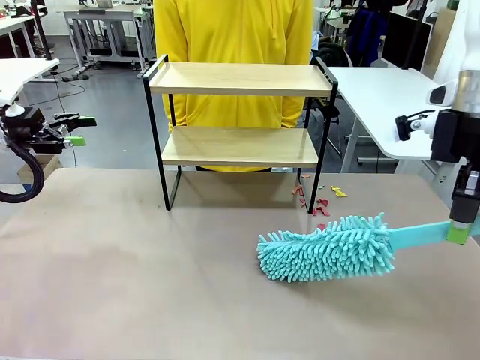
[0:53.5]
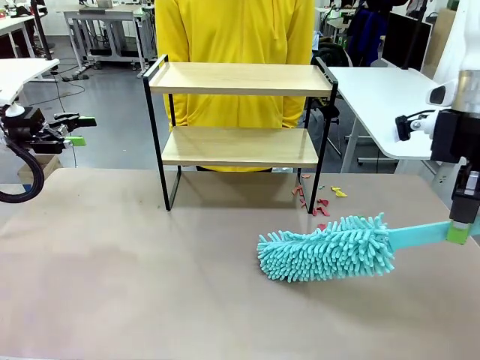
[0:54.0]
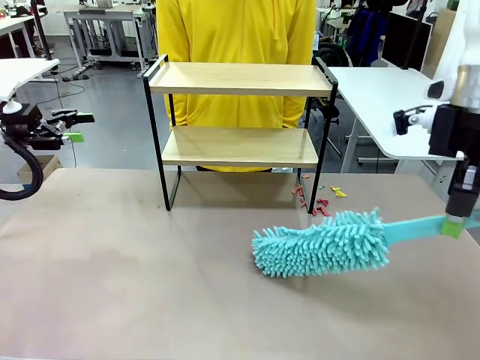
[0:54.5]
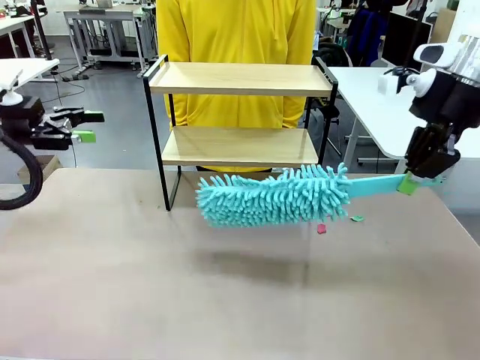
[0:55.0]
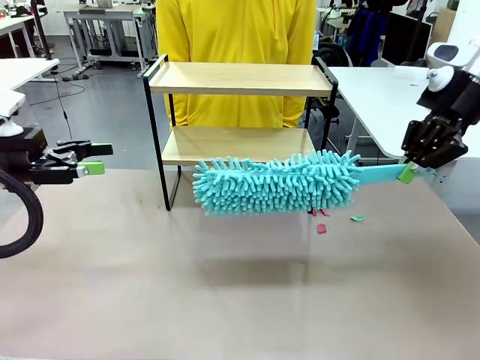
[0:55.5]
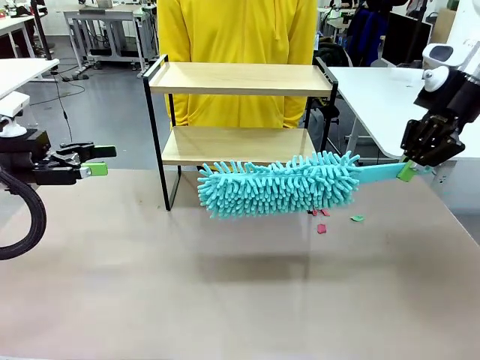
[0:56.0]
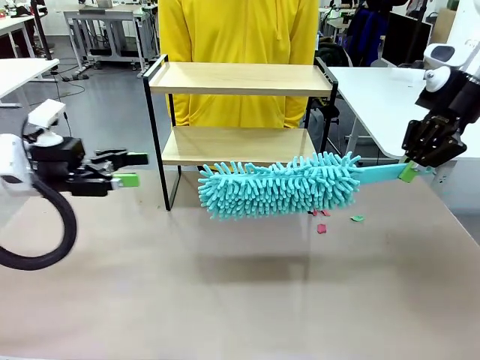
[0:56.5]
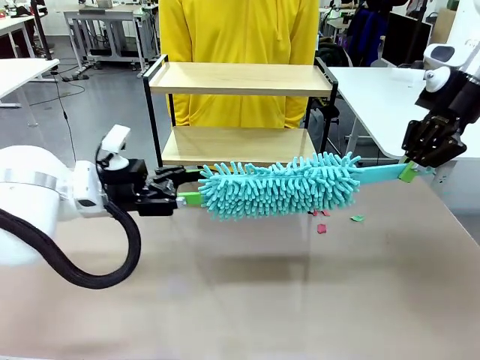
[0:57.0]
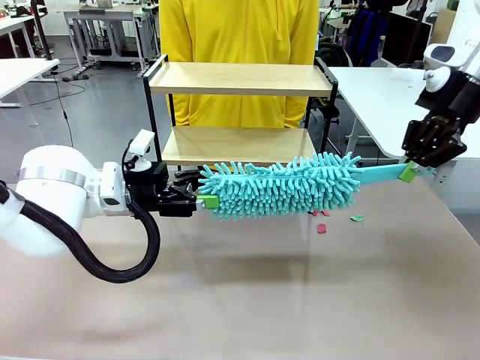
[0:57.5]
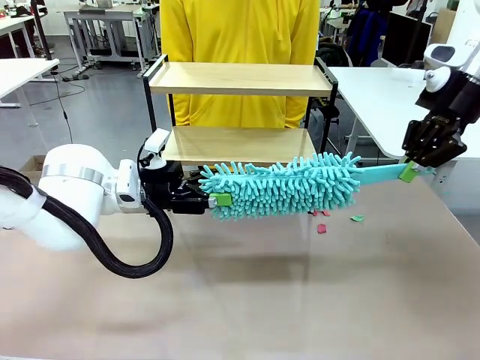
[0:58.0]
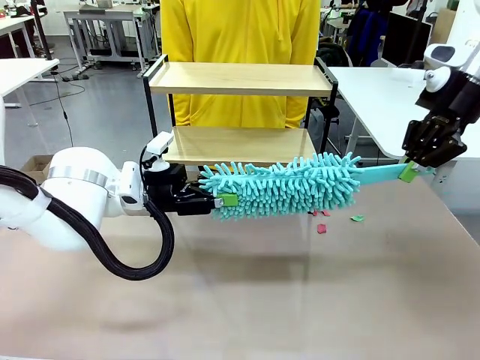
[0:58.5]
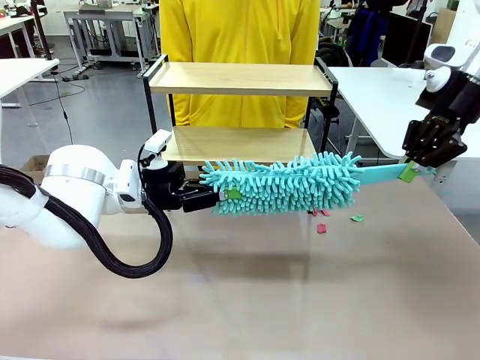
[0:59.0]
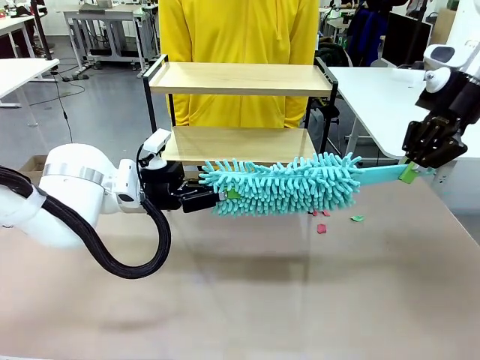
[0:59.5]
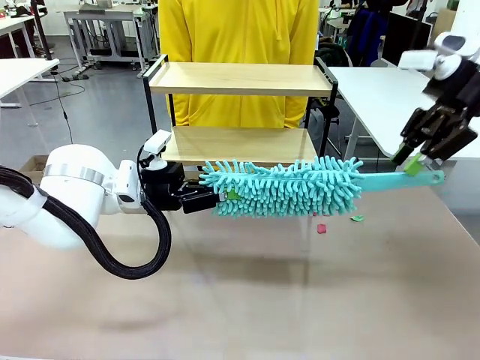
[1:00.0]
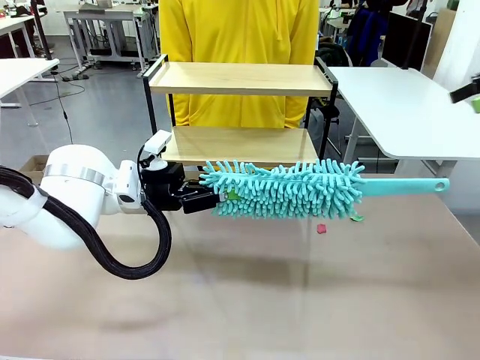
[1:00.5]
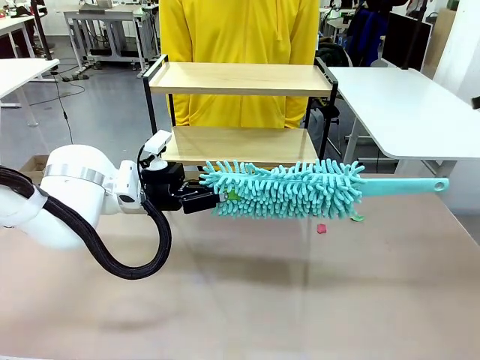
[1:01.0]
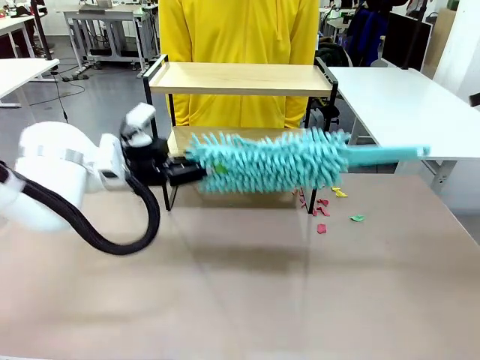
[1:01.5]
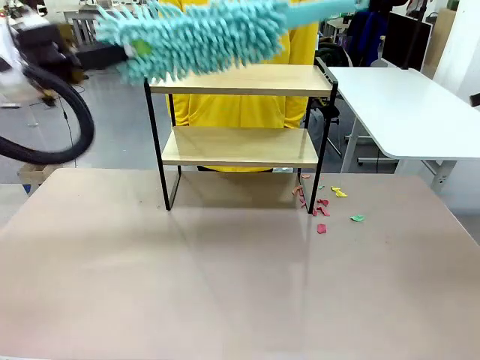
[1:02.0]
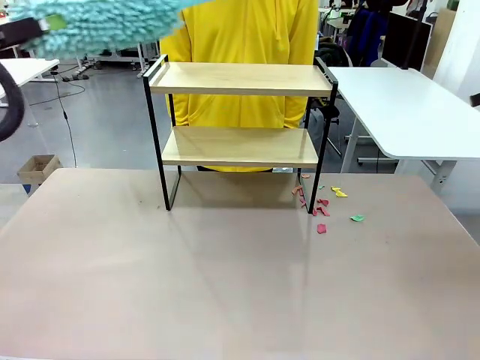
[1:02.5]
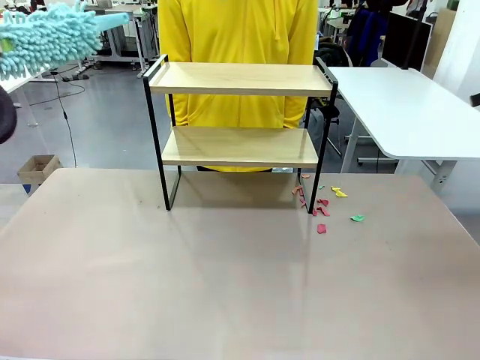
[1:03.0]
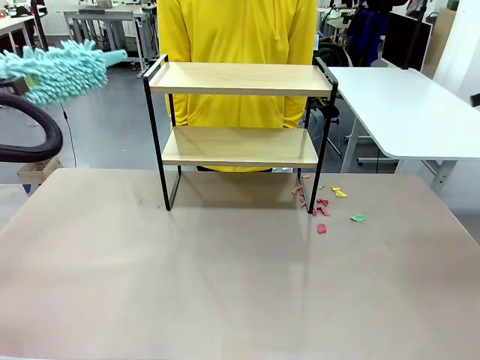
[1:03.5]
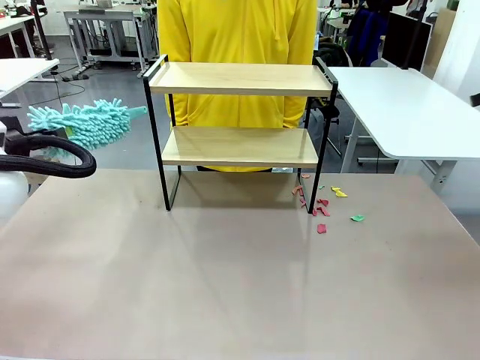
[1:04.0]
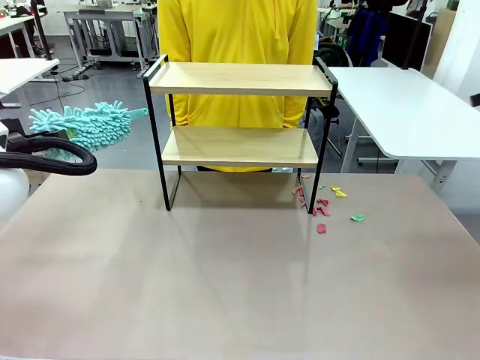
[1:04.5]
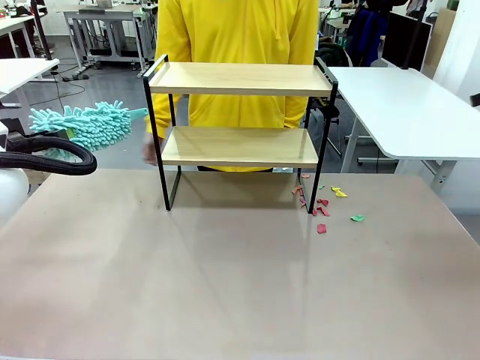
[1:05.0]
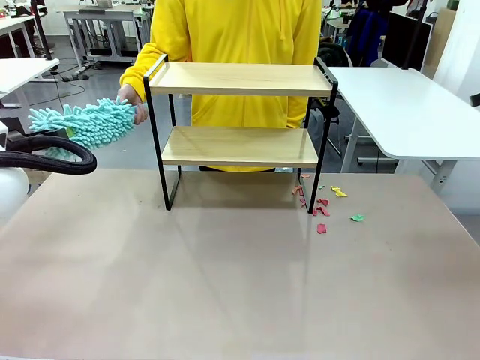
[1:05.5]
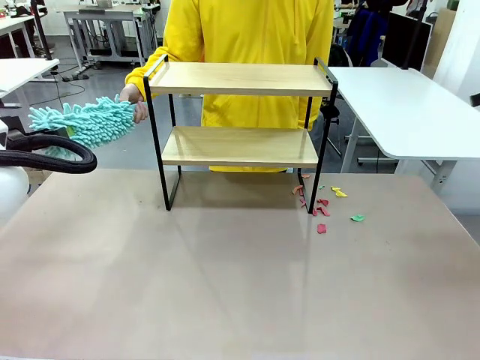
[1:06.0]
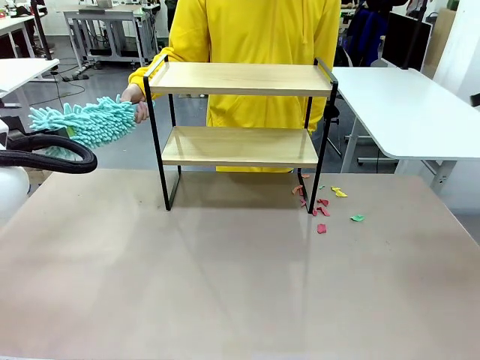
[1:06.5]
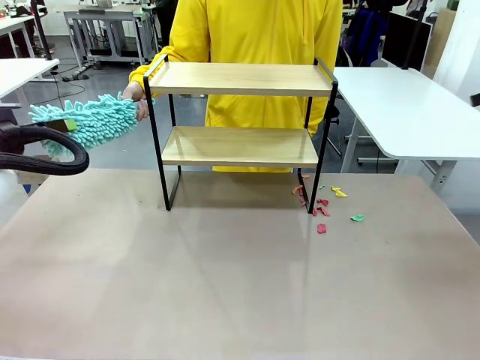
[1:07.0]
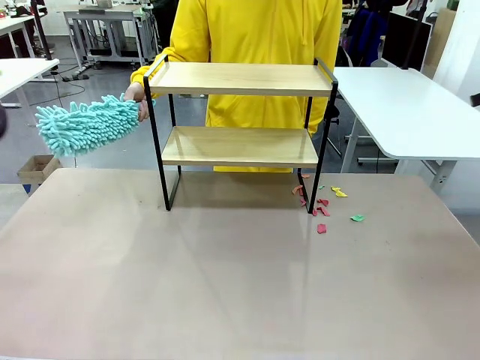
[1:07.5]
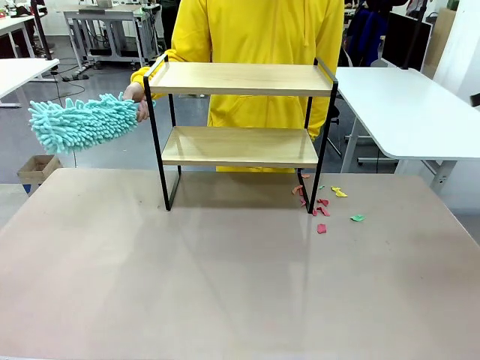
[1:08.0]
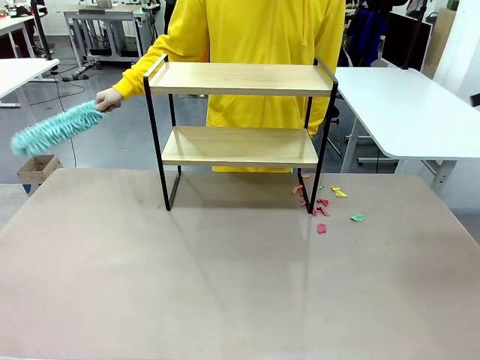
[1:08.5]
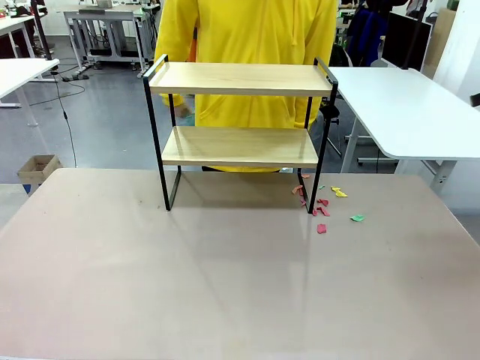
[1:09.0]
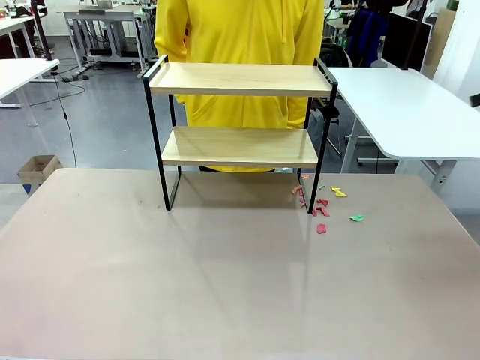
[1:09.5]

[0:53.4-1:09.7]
Task: Clean the shelf.
Robot: Hand the Duster back to the human.
Person: Receive the Duster from the robot.

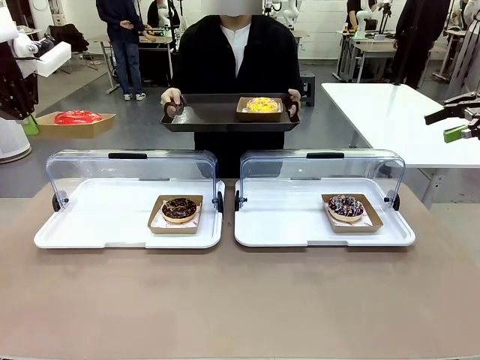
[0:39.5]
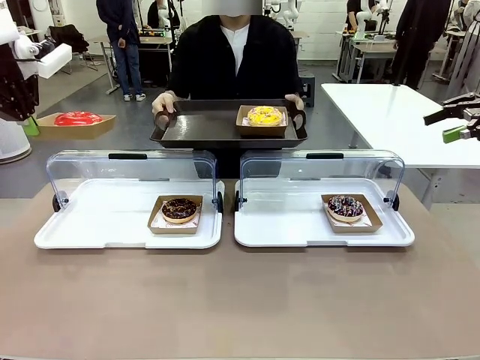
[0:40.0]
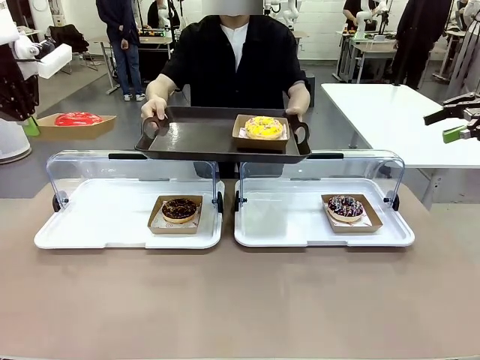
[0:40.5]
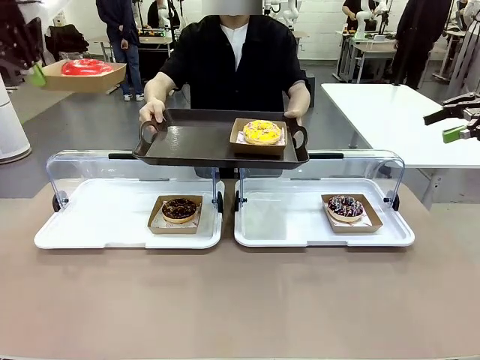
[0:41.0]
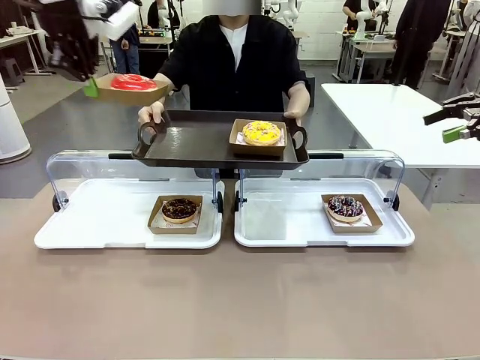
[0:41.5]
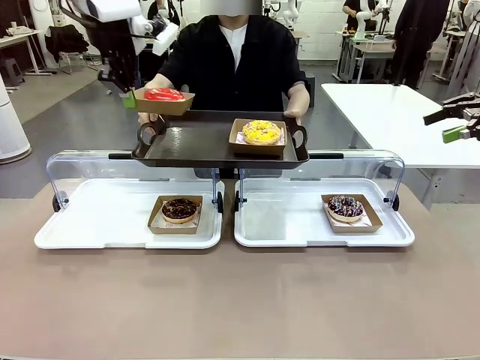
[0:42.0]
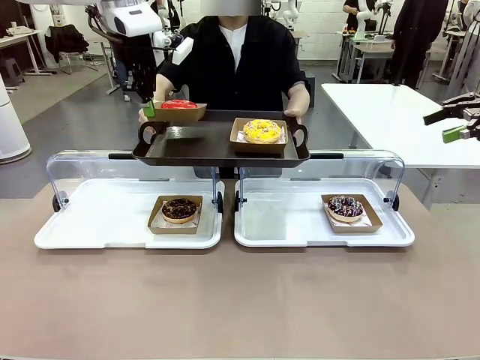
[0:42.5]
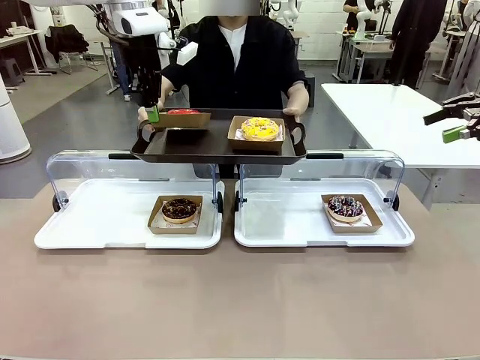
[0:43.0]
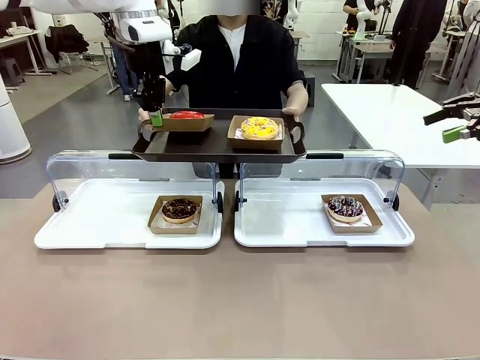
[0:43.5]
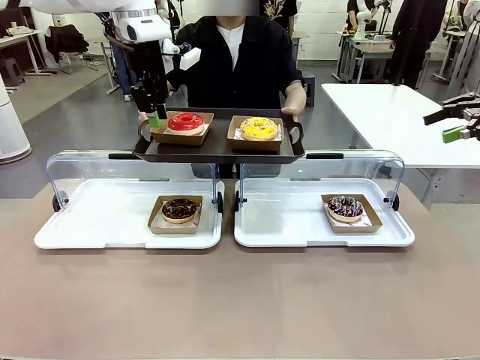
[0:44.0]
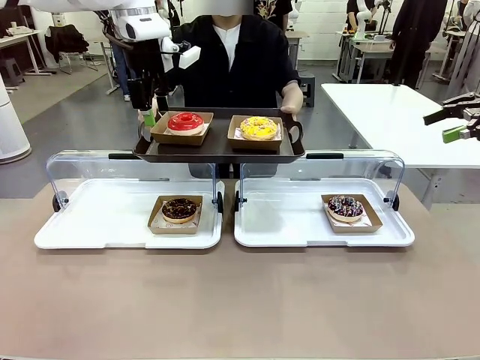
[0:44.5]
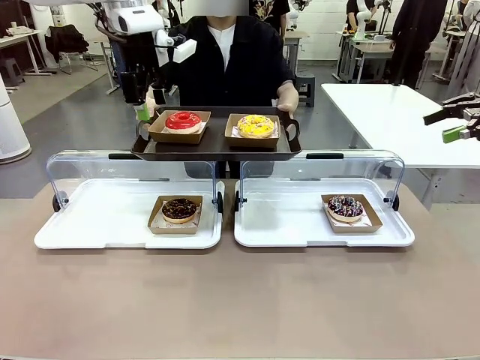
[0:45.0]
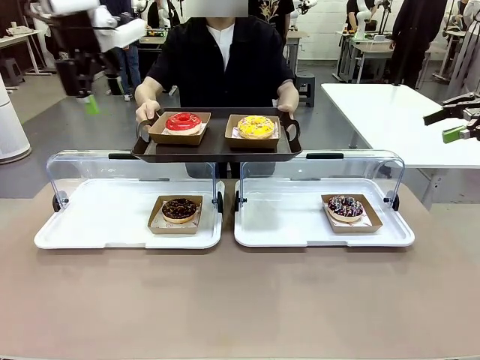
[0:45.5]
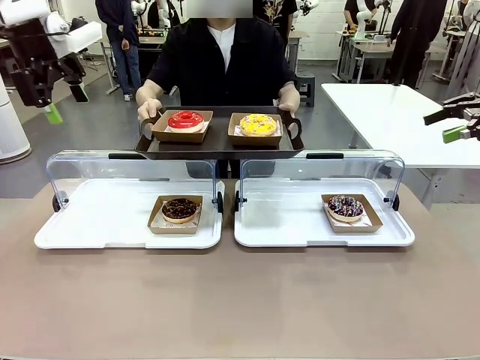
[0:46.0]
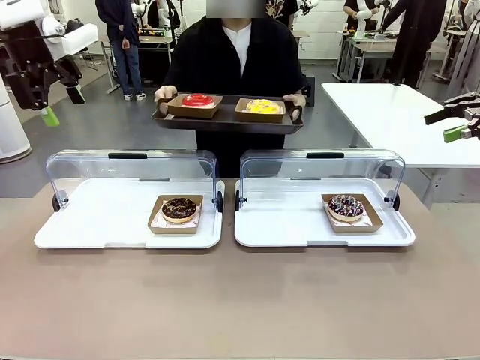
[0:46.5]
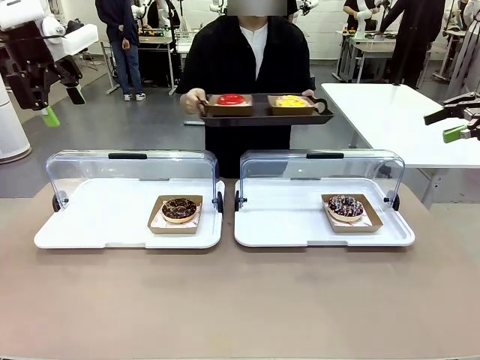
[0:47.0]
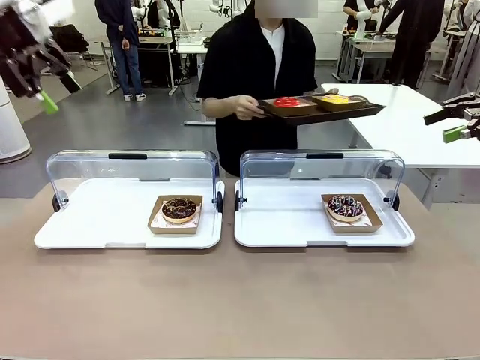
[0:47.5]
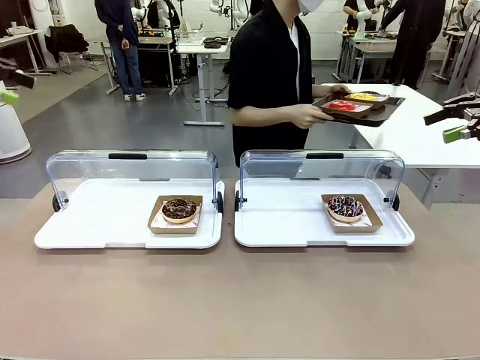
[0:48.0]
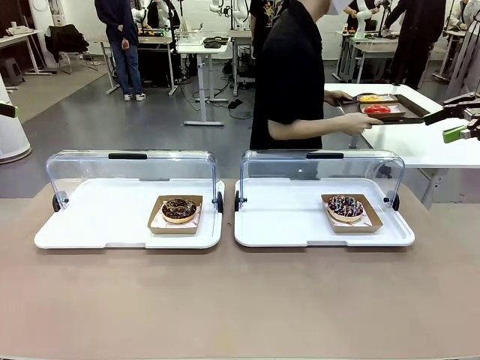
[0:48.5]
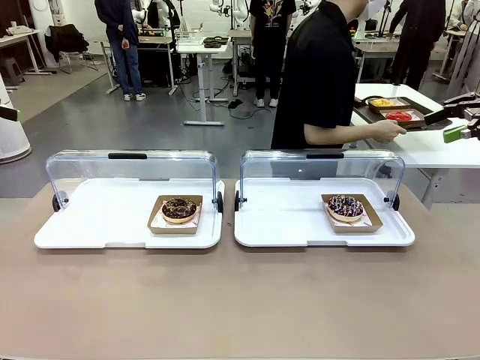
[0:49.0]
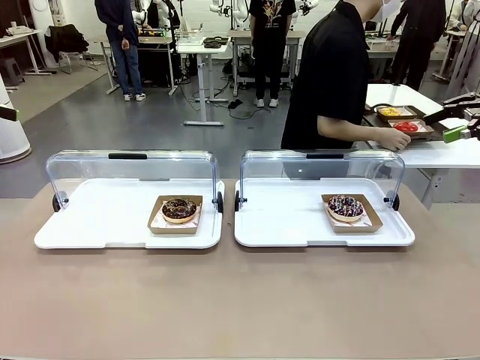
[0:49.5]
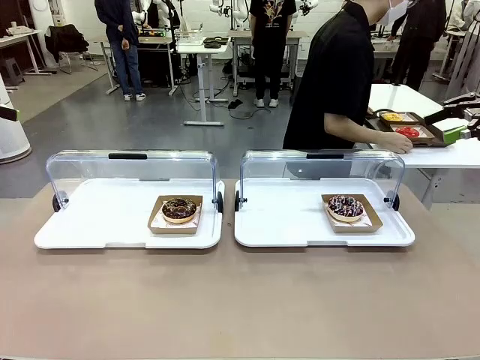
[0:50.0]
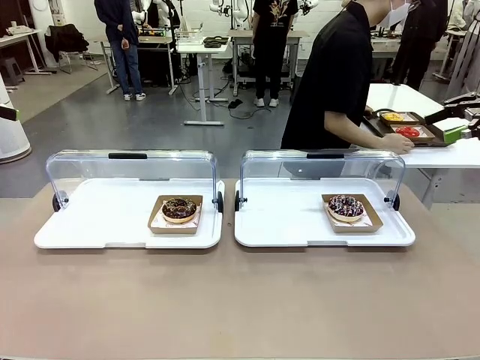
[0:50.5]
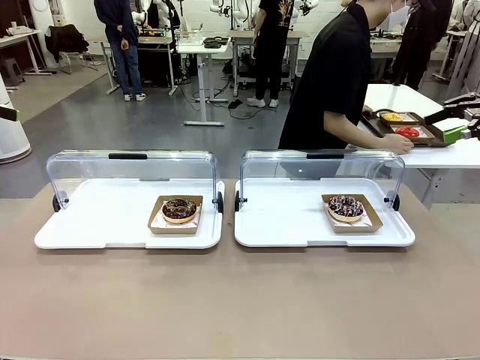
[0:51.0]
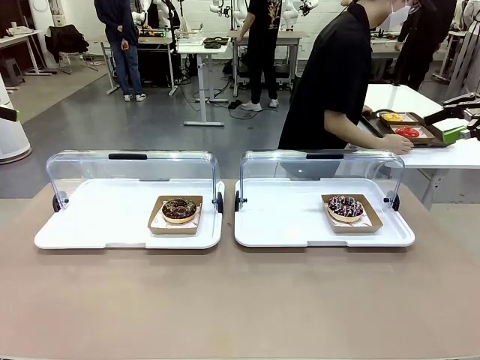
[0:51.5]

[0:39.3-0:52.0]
Task: Provide the desired donut to the person.
Robot: Place the picked Paper togo box onto the Handle tray extended by the person.
Person: Place the tray in the middle of the human table.
